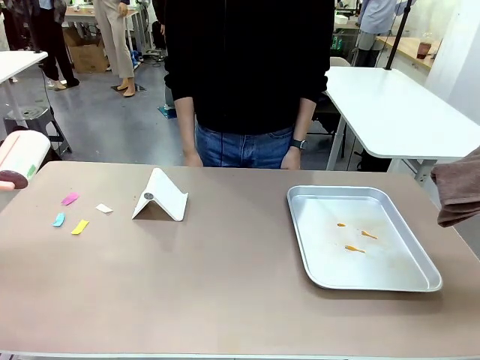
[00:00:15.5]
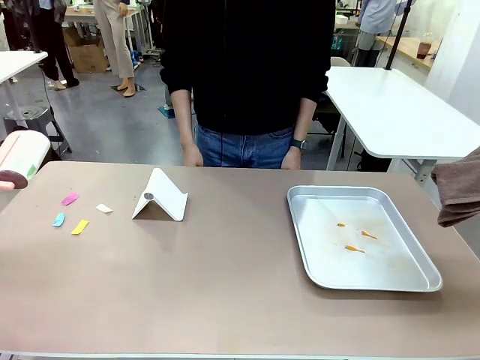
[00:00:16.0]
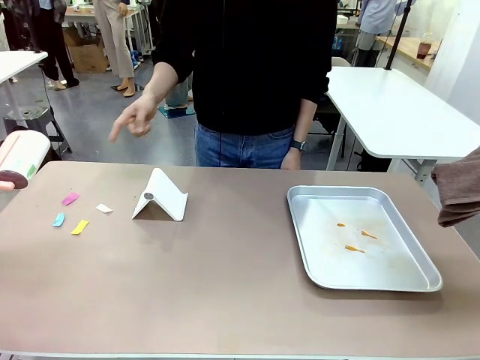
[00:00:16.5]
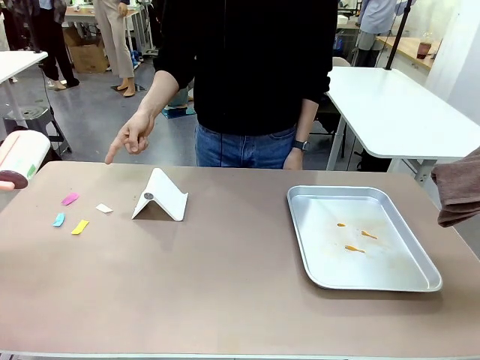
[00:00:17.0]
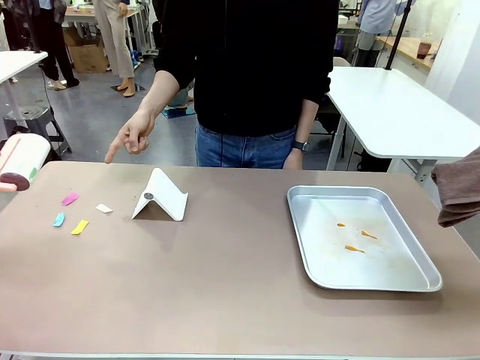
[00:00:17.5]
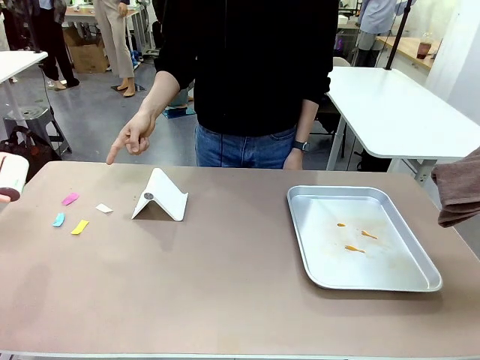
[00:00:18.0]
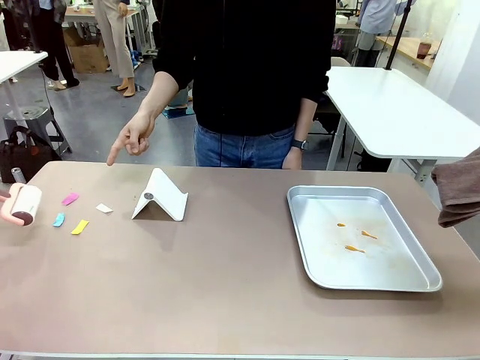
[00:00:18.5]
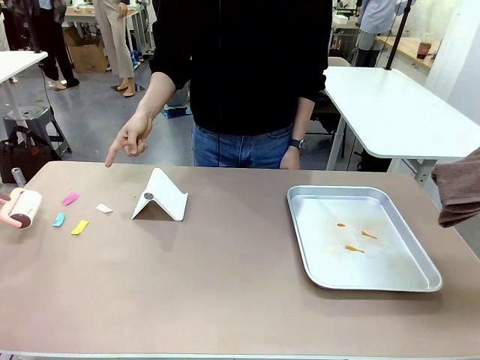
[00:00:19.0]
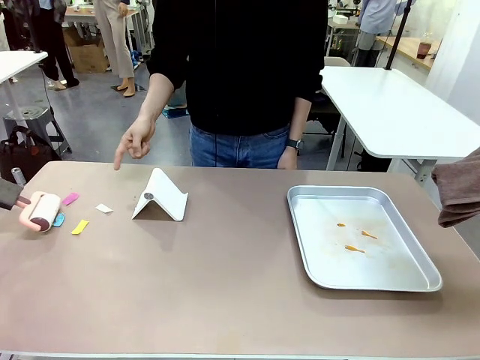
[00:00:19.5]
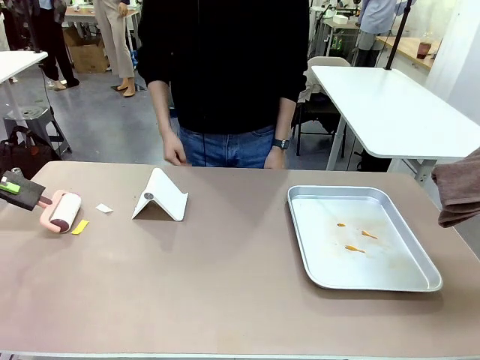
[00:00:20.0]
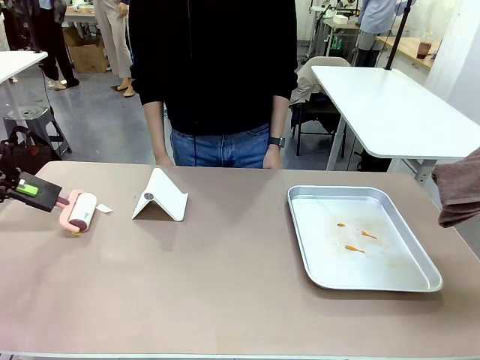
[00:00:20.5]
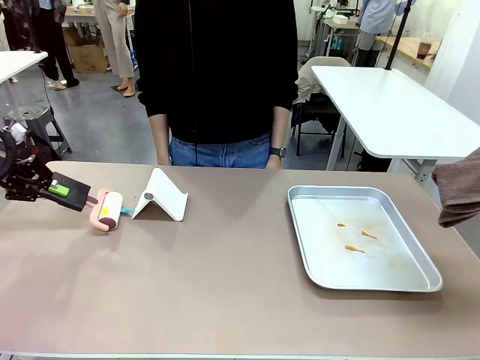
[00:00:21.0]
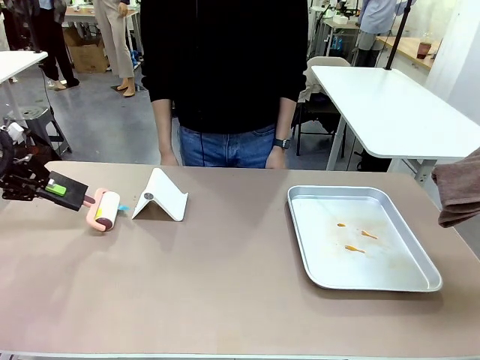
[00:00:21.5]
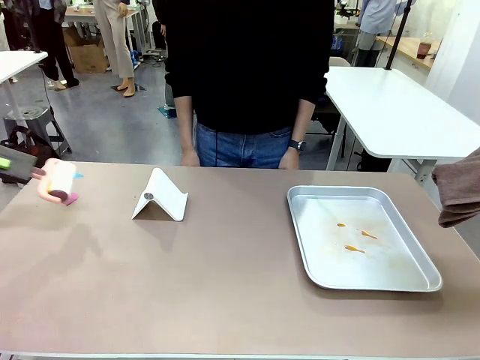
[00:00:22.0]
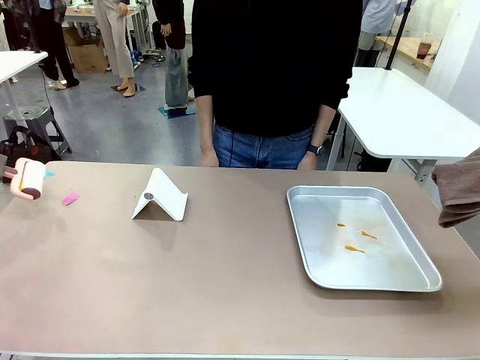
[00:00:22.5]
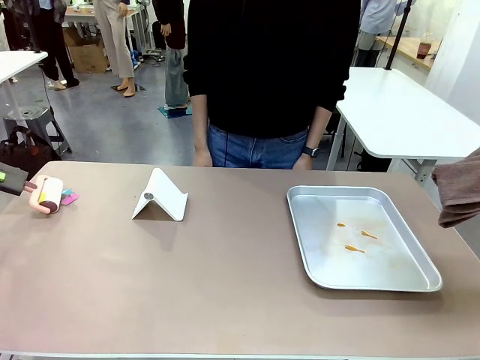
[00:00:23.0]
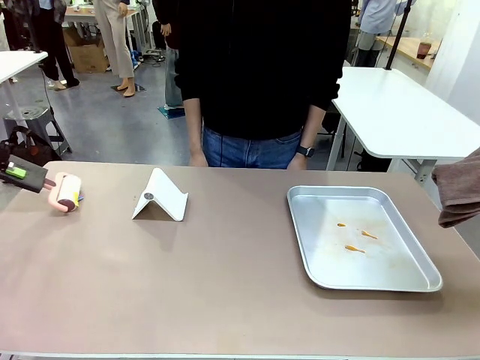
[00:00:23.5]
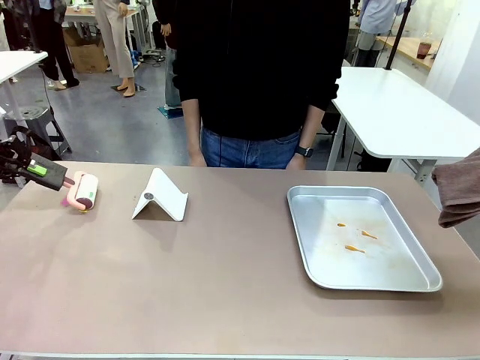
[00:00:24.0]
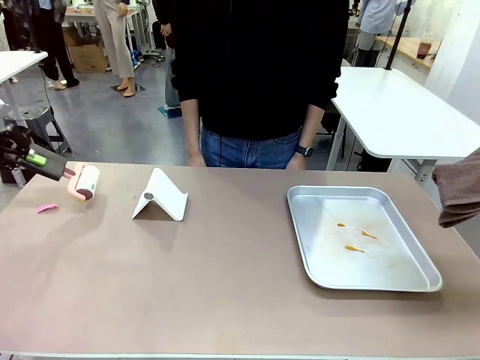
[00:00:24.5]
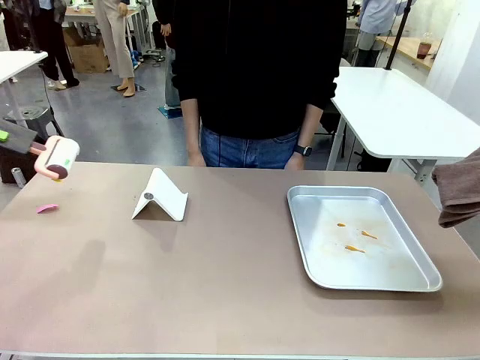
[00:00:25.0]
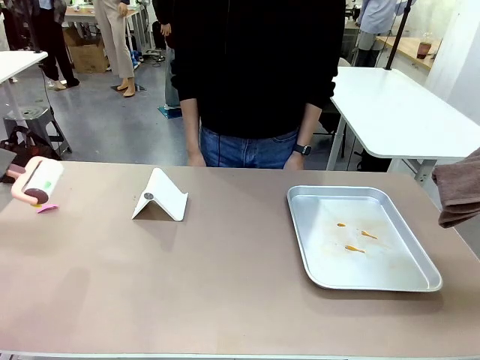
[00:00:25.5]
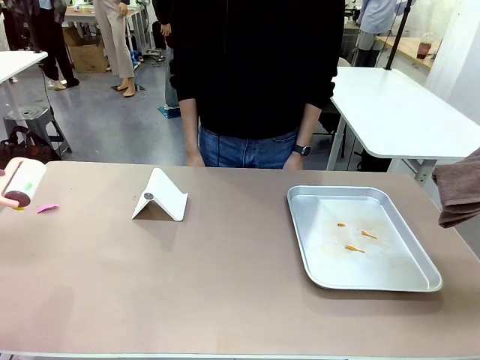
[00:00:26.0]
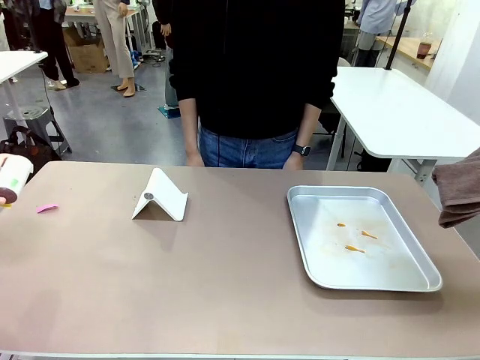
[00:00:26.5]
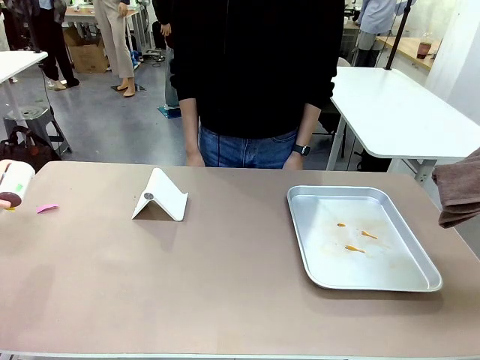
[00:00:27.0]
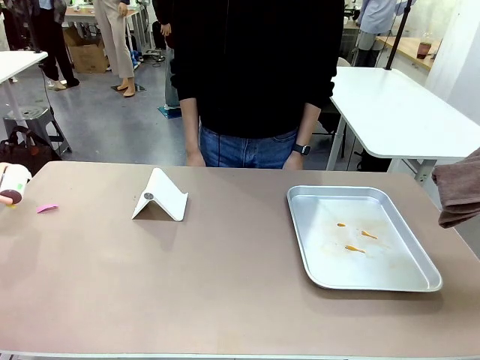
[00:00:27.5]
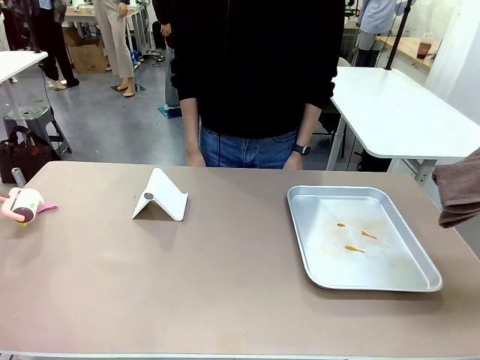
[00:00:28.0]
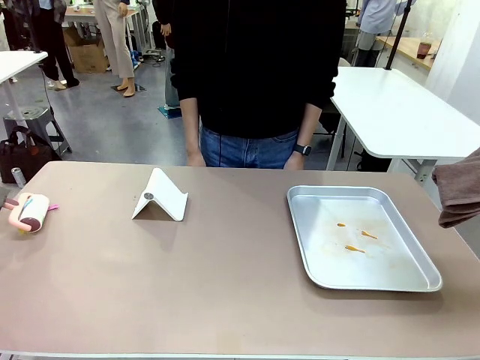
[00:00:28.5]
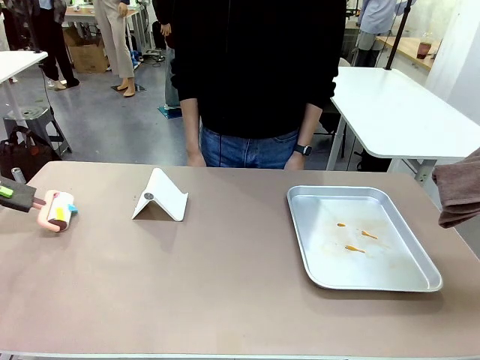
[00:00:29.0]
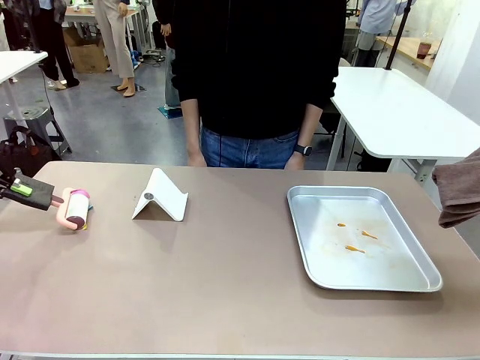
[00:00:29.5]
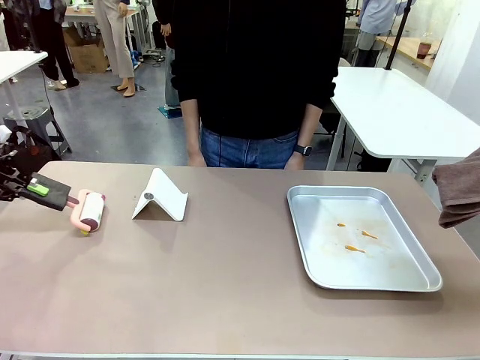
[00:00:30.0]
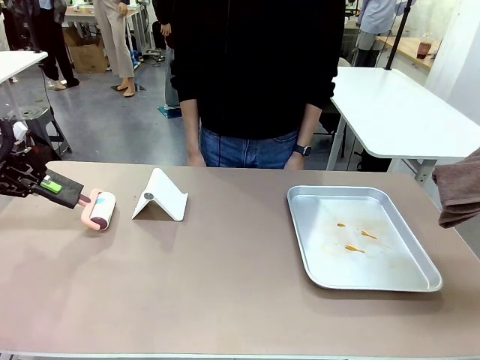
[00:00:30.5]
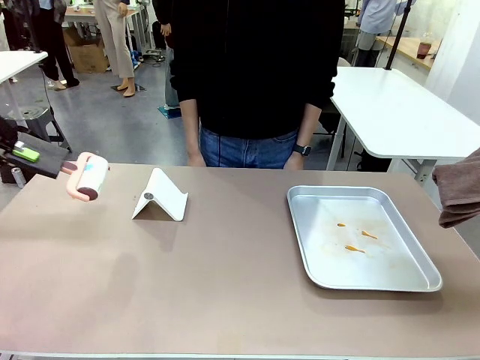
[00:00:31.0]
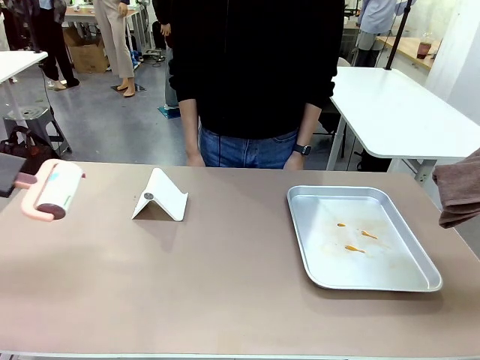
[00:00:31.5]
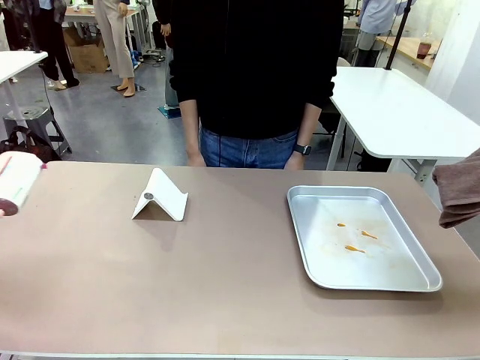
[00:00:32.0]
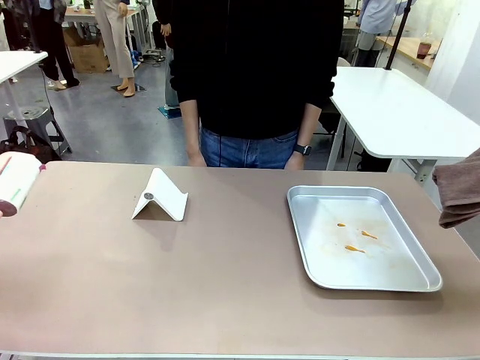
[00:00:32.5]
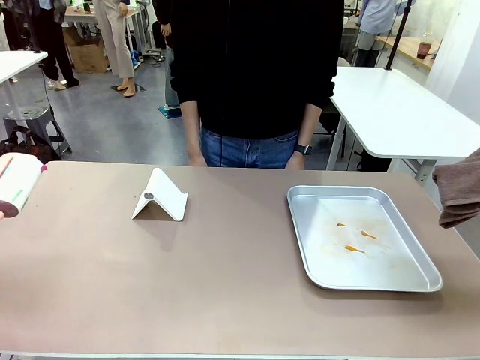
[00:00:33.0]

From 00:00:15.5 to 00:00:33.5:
Task: Clean the surface of the table.
Robot: If a person points to the right, clean the right side of the table with your right hand, and if they point to the left, clean the left side with your left hand.
